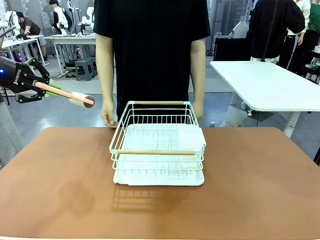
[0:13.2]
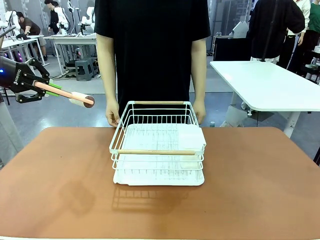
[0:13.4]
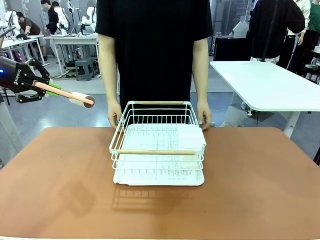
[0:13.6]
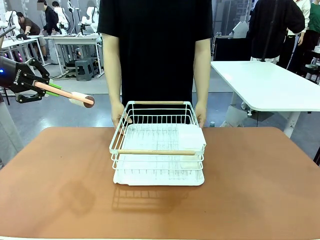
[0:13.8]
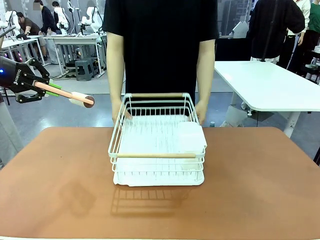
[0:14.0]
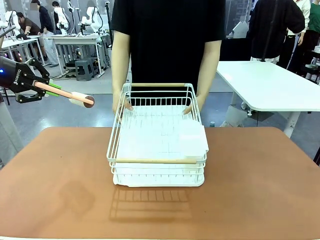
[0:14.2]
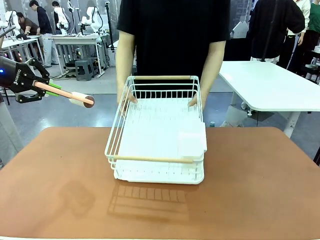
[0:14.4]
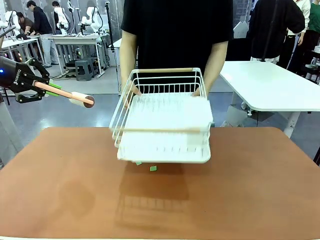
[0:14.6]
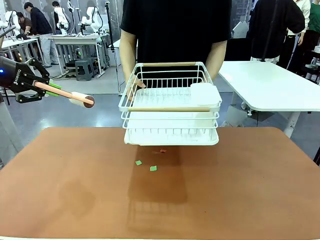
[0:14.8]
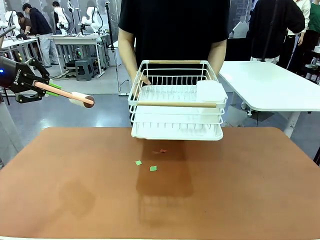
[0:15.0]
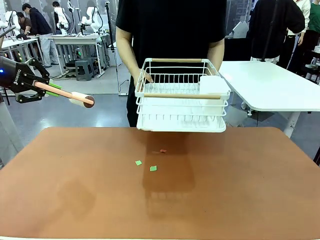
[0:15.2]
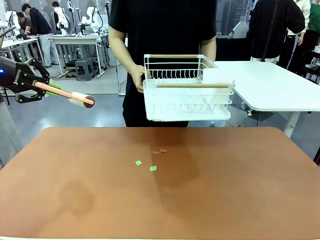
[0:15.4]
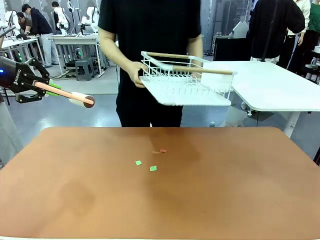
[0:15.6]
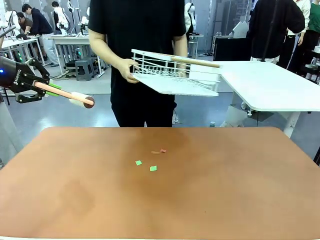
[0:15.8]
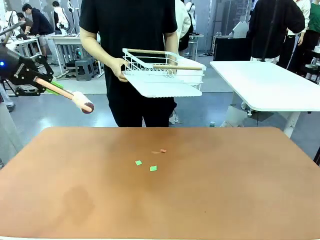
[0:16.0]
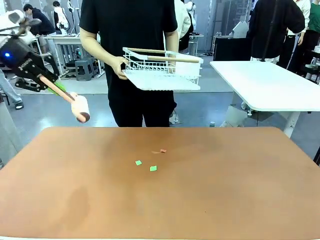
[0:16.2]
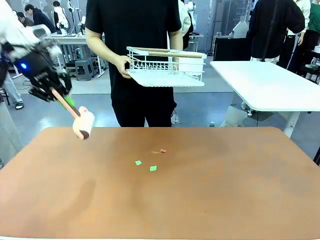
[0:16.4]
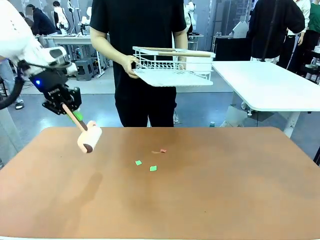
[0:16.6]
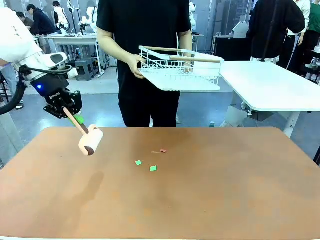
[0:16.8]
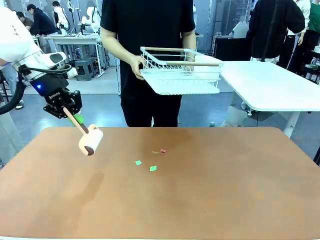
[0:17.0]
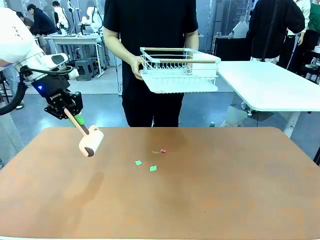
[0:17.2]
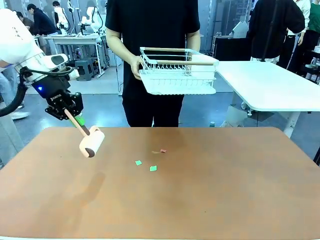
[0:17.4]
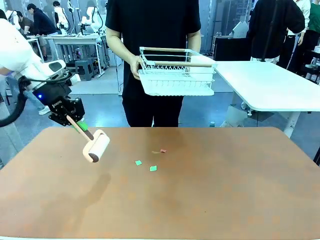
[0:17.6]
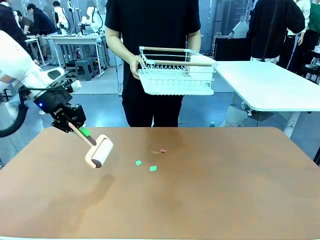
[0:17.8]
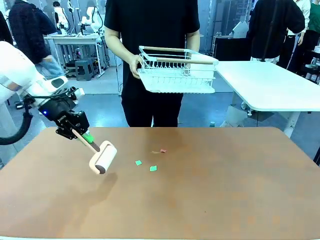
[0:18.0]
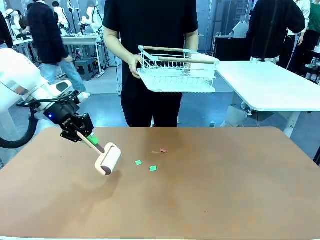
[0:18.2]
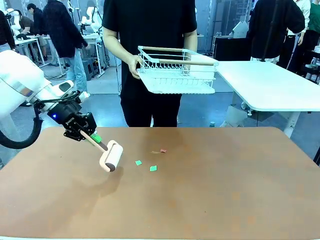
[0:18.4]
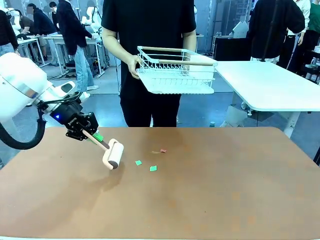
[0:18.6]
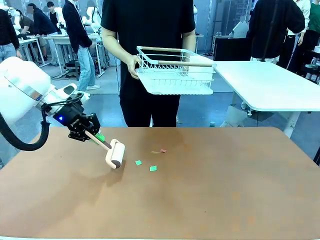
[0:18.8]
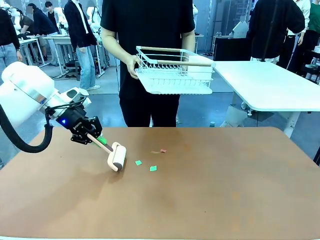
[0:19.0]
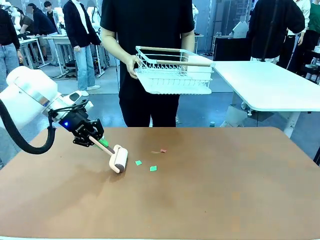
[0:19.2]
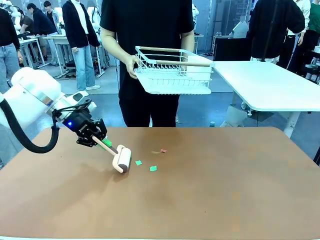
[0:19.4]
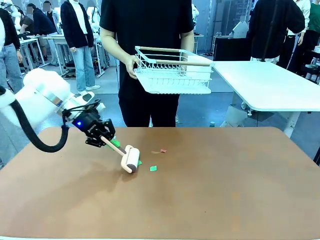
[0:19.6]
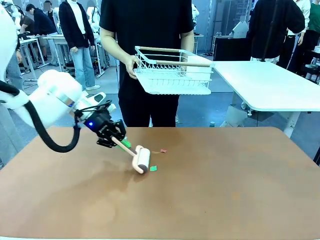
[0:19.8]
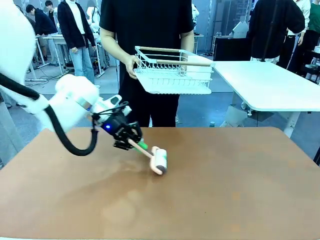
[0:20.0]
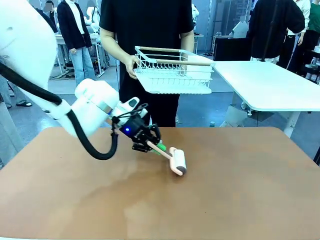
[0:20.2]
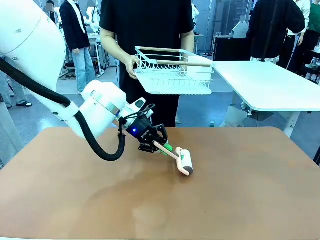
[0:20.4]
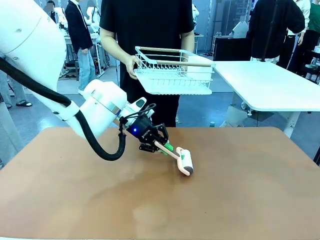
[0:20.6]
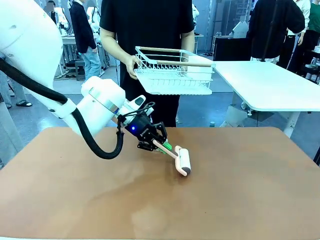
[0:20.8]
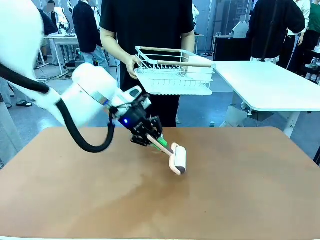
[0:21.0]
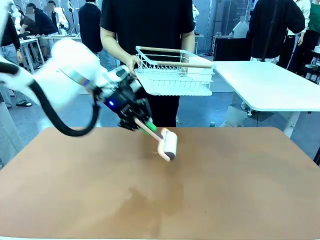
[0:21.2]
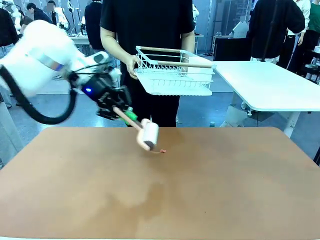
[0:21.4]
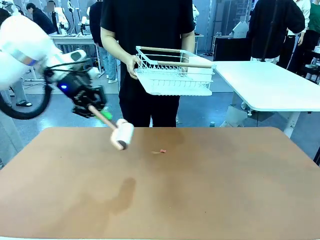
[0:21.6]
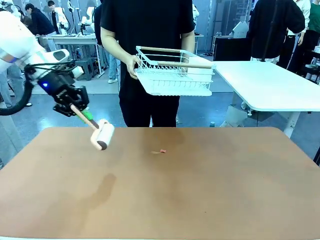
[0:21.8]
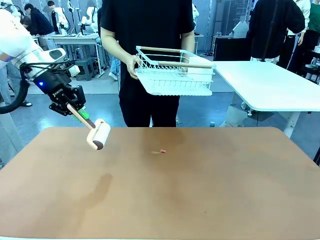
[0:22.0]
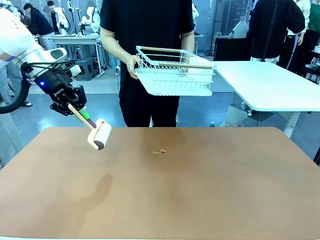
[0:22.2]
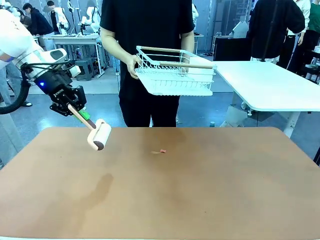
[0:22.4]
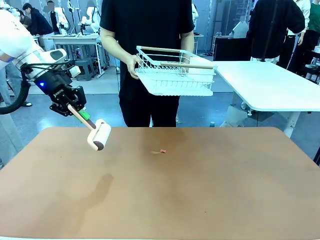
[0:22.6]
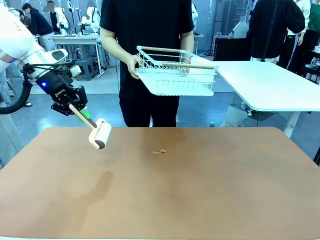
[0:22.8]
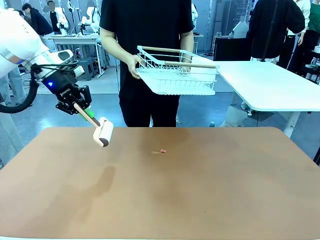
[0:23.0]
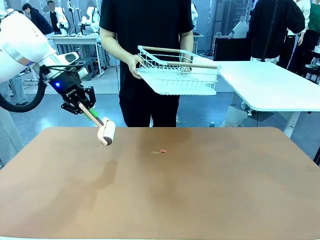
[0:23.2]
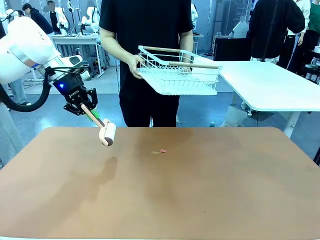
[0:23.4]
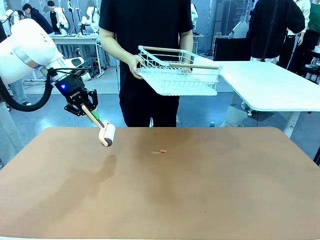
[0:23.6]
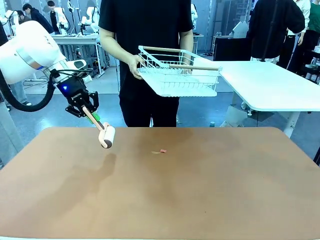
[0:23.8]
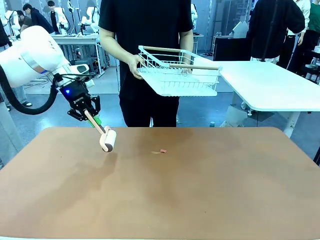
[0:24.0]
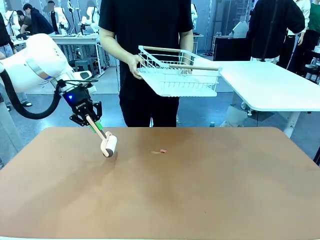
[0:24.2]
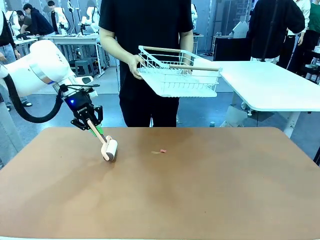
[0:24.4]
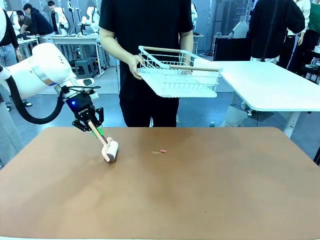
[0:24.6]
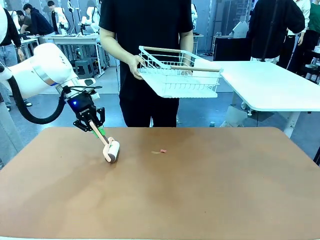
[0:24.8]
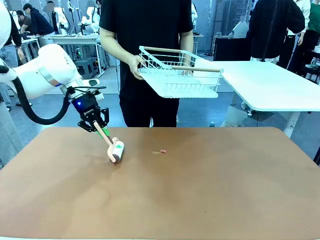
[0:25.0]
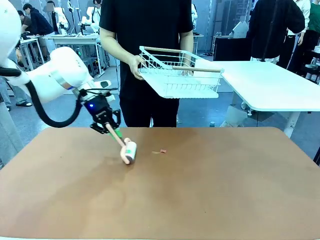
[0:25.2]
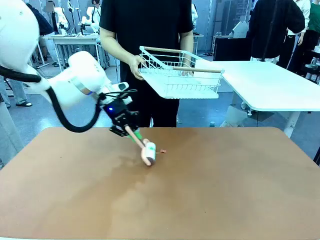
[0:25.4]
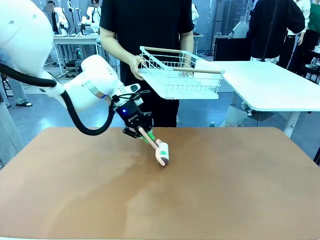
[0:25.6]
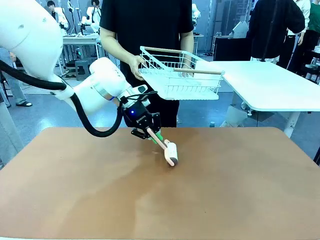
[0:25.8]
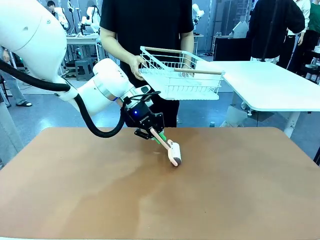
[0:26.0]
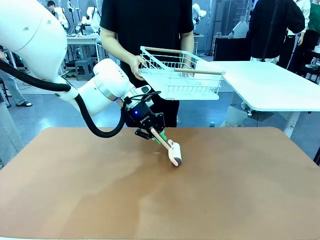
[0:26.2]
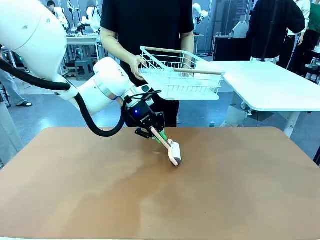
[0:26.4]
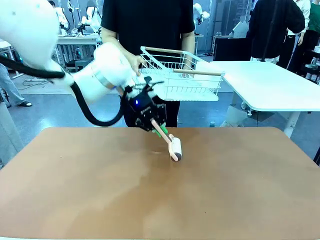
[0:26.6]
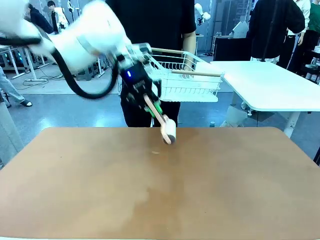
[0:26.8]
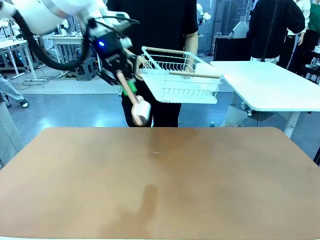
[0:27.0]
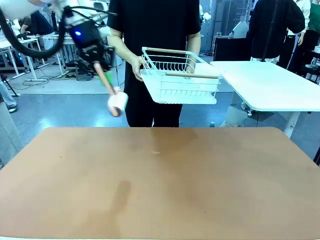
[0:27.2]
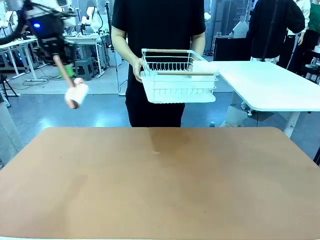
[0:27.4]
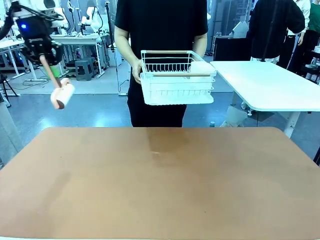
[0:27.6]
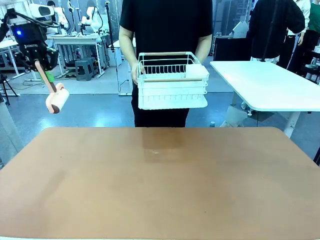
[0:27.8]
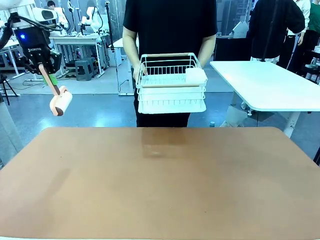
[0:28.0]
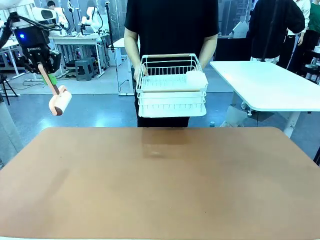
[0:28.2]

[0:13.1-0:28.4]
Task: Clean the table.
Robot: Clean the table with the Lint Roller when the human lifts the Dish drying rack.
Person: Place the Dish drying rack down when the robot finishes cleaning.

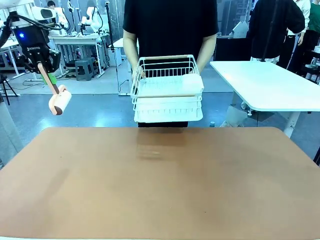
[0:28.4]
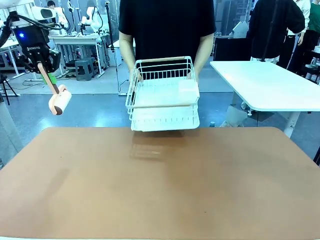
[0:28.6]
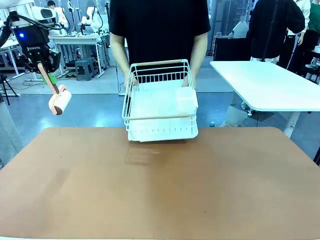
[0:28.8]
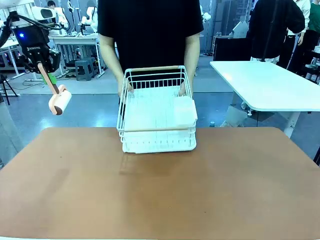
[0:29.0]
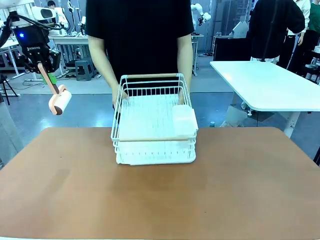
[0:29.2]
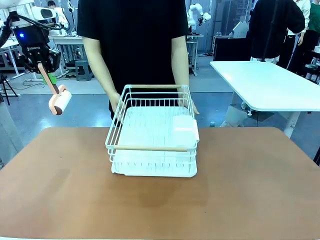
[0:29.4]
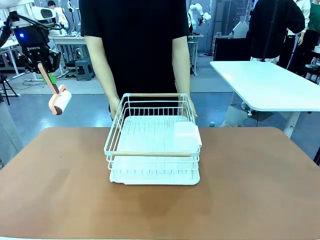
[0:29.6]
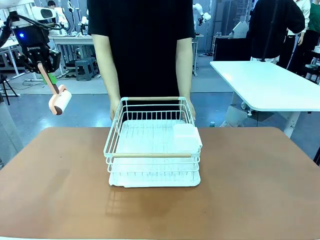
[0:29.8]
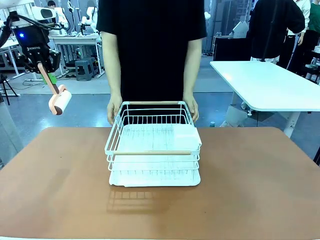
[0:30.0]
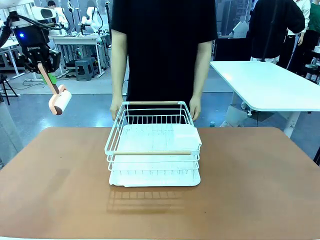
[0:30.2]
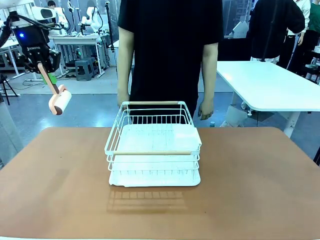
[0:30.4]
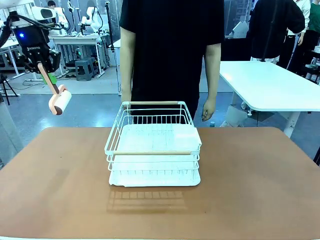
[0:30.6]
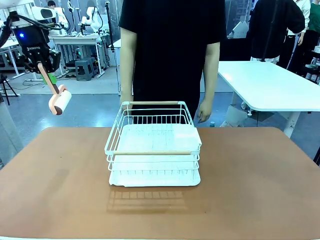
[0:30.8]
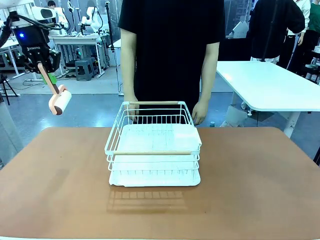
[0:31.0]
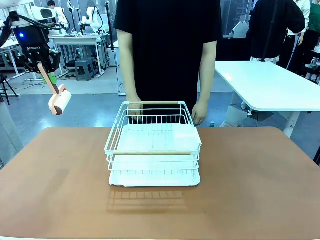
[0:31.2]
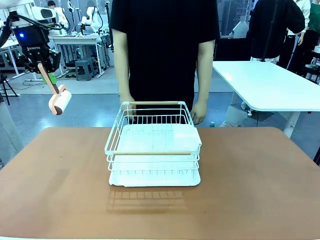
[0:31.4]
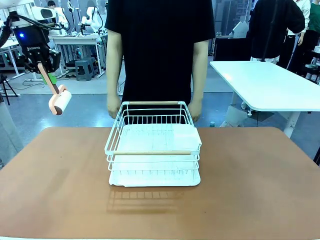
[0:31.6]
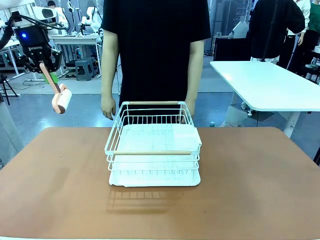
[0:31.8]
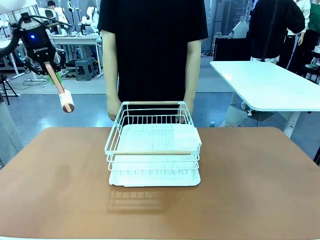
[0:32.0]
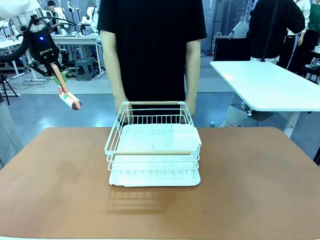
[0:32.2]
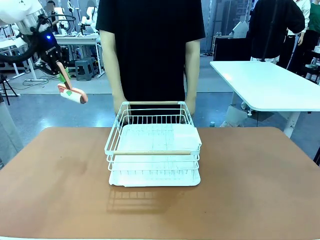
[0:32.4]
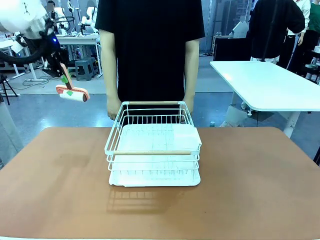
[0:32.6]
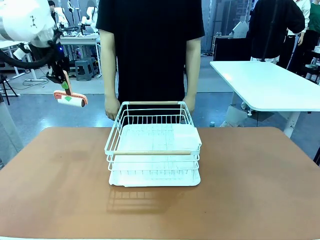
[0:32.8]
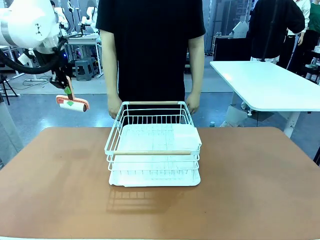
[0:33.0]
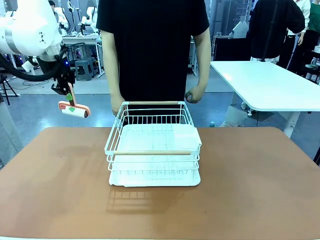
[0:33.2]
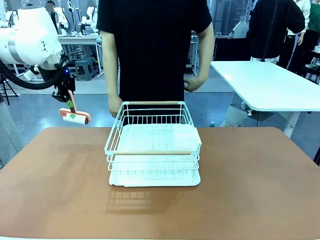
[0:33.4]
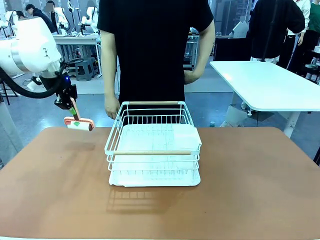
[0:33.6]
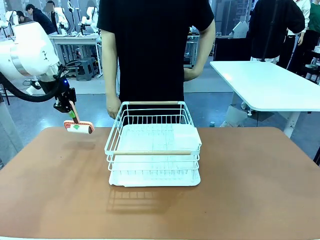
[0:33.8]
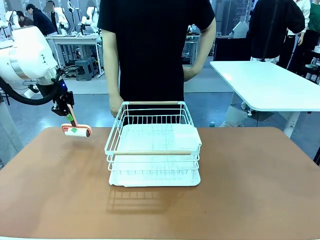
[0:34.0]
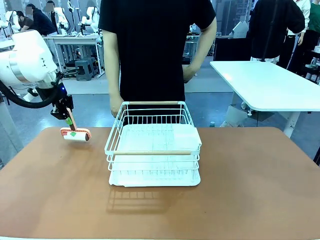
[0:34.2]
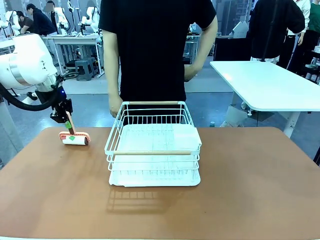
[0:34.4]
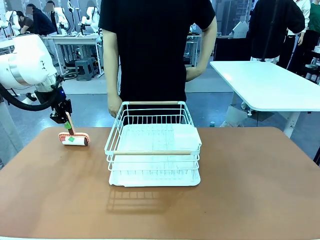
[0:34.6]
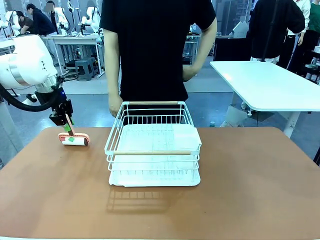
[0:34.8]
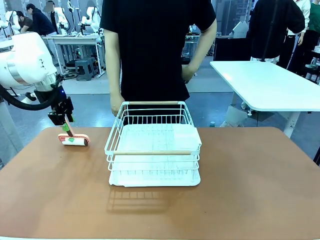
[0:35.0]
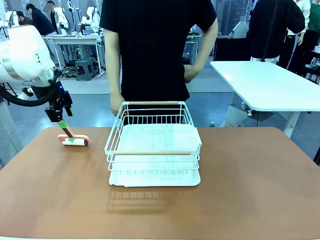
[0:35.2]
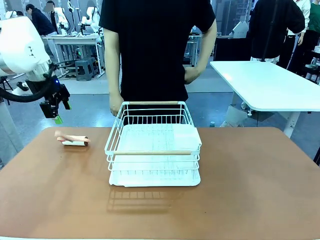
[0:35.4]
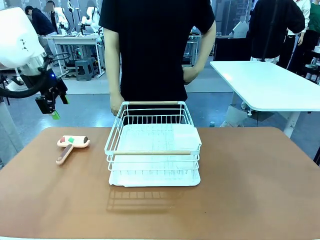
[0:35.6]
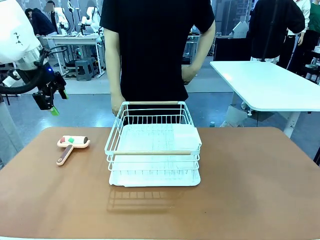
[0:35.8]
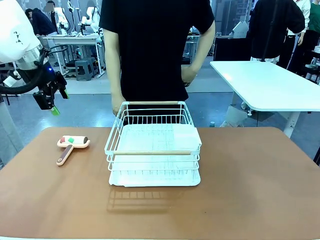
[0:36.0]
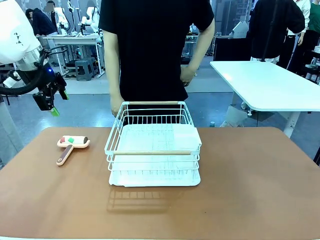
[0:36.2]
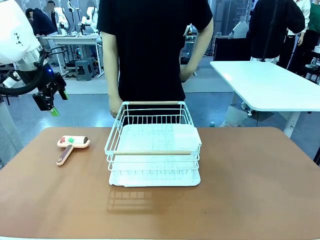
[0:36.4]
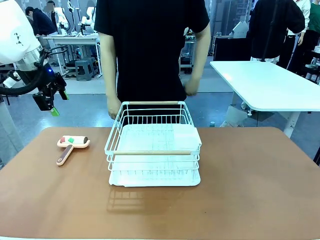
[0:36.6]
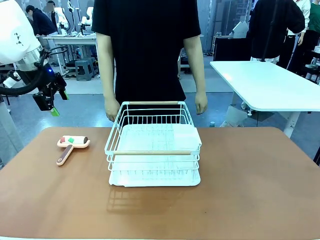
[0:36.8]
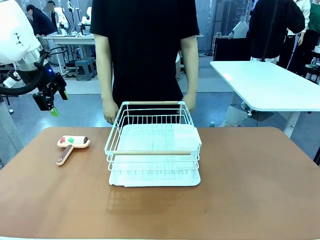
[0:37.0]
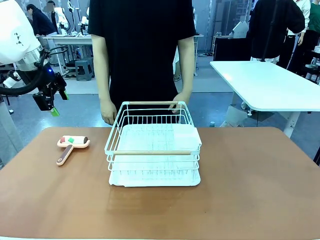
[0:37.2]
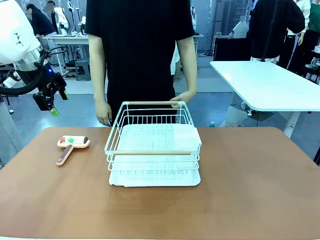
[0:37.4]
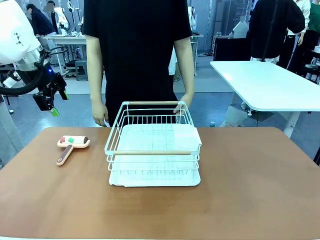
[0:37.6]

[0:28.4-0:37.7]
Robot: Place the Lint Roller down when the Dish drying rack is positioned in the middle of the table.
